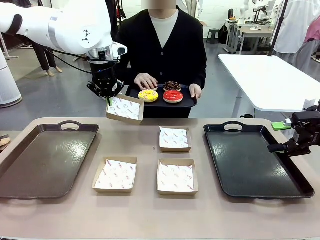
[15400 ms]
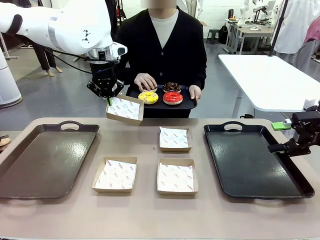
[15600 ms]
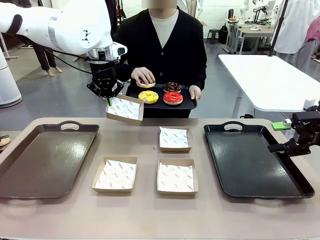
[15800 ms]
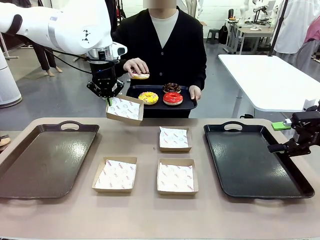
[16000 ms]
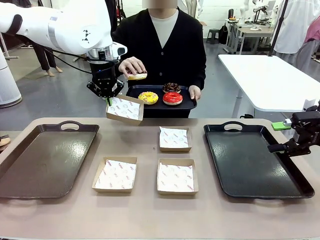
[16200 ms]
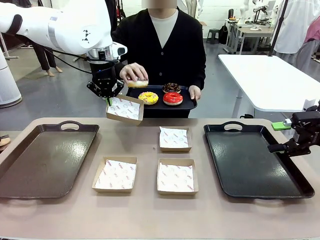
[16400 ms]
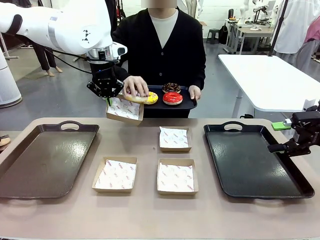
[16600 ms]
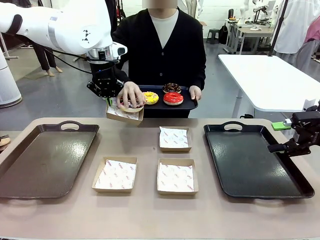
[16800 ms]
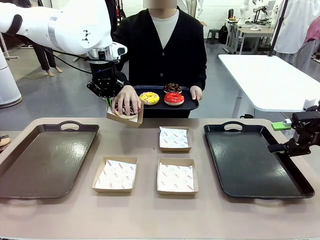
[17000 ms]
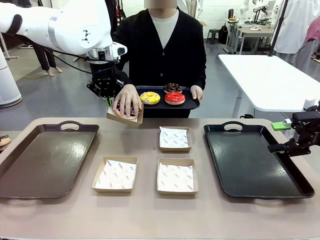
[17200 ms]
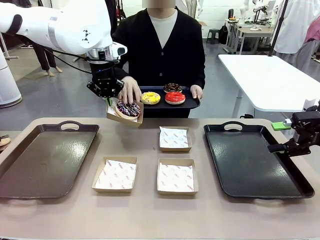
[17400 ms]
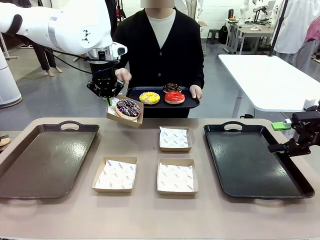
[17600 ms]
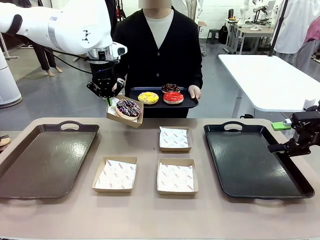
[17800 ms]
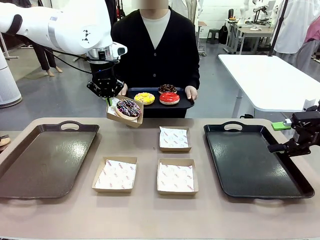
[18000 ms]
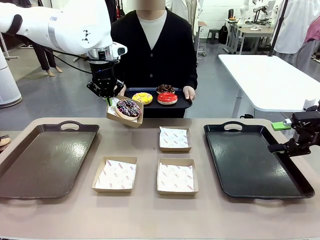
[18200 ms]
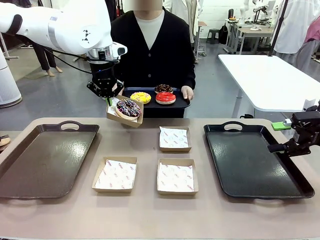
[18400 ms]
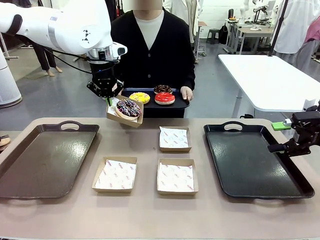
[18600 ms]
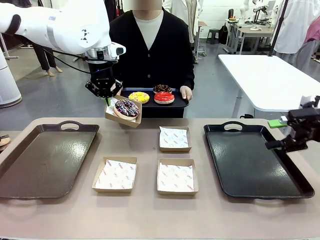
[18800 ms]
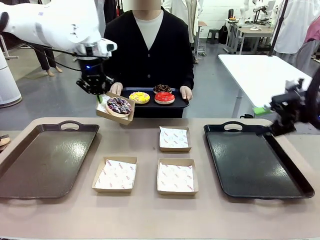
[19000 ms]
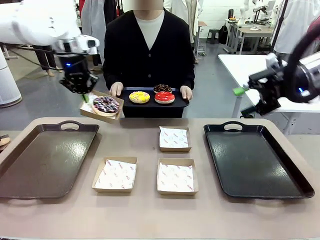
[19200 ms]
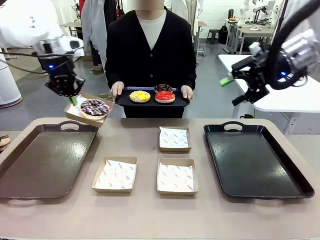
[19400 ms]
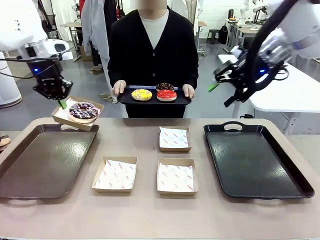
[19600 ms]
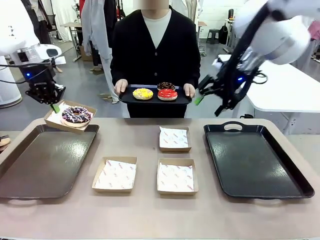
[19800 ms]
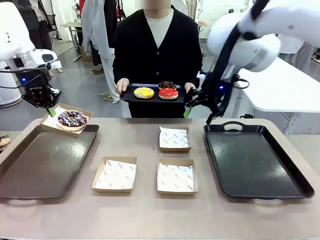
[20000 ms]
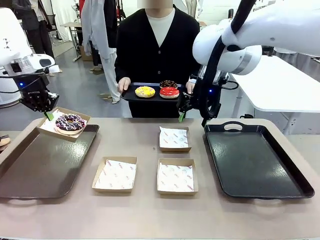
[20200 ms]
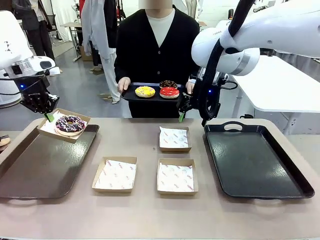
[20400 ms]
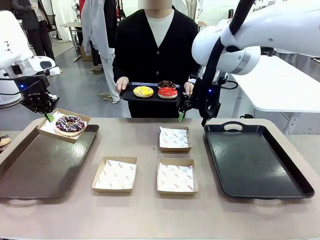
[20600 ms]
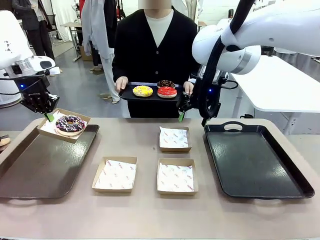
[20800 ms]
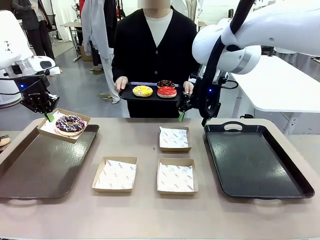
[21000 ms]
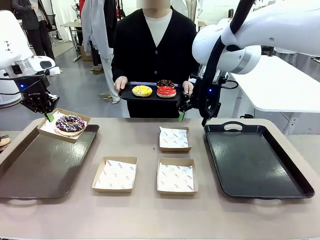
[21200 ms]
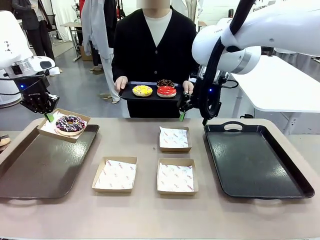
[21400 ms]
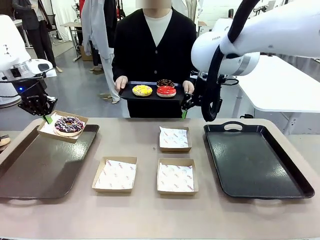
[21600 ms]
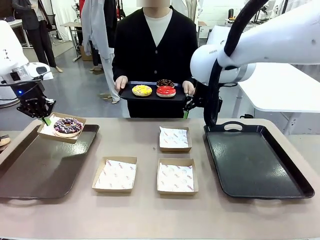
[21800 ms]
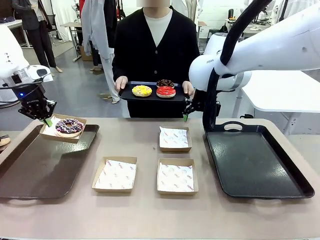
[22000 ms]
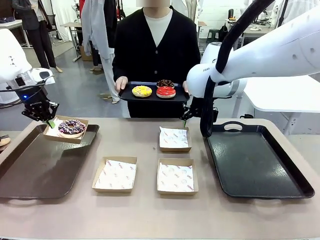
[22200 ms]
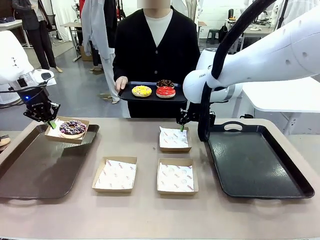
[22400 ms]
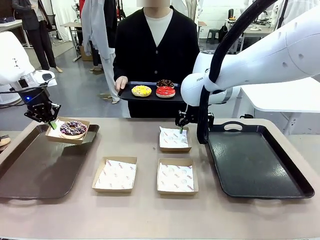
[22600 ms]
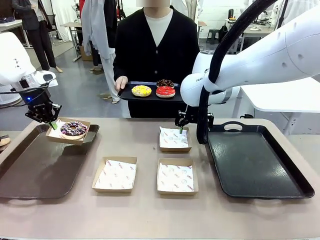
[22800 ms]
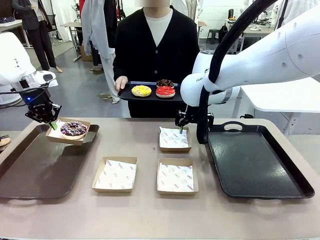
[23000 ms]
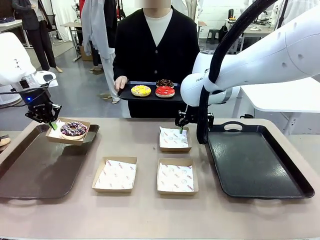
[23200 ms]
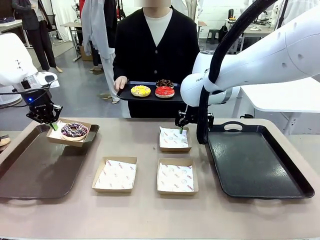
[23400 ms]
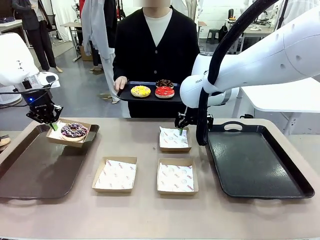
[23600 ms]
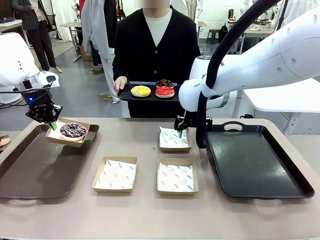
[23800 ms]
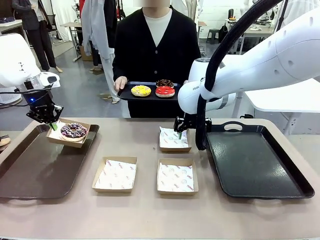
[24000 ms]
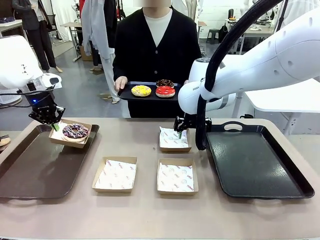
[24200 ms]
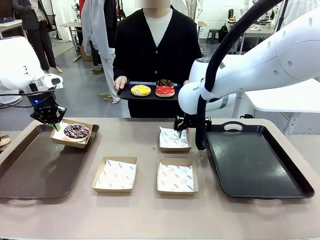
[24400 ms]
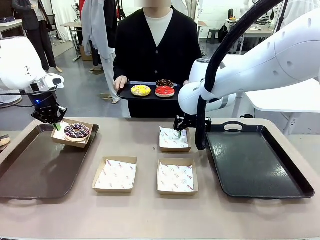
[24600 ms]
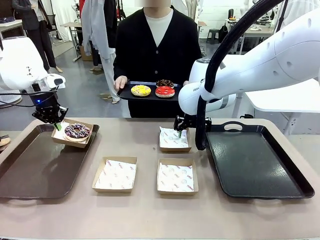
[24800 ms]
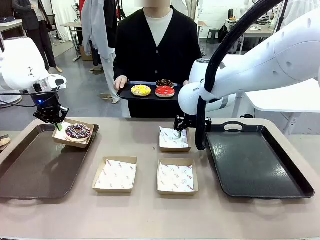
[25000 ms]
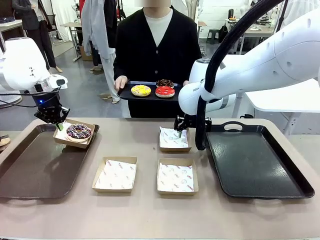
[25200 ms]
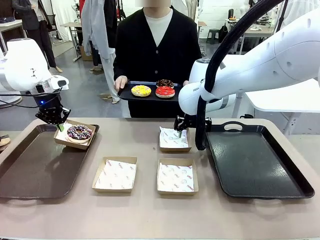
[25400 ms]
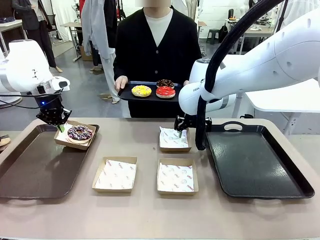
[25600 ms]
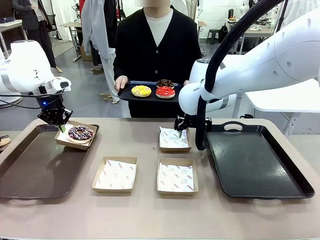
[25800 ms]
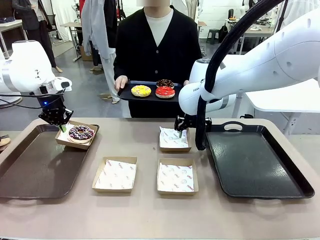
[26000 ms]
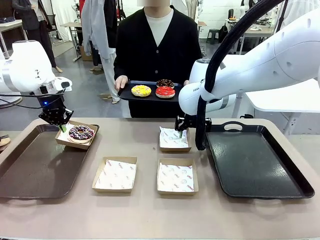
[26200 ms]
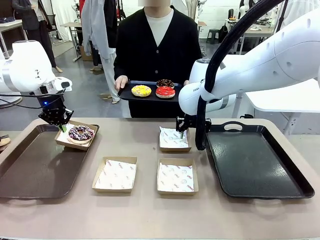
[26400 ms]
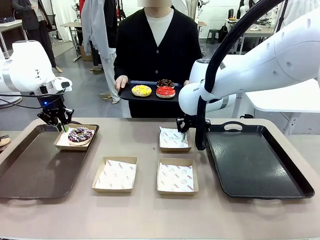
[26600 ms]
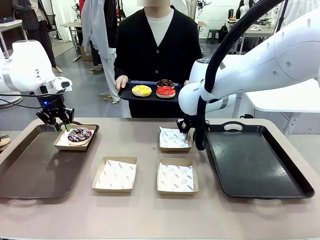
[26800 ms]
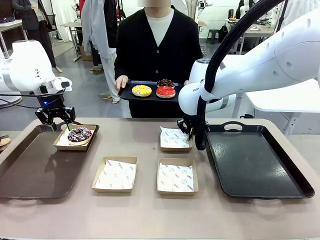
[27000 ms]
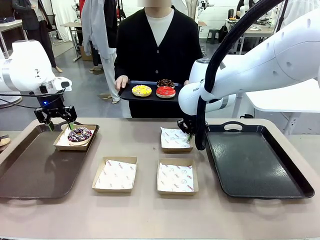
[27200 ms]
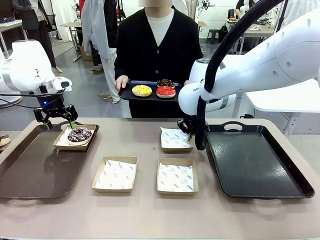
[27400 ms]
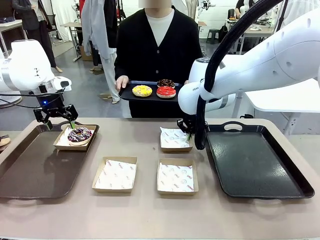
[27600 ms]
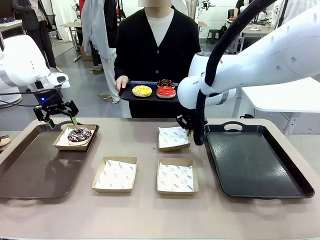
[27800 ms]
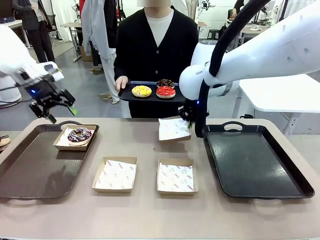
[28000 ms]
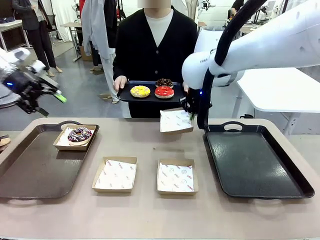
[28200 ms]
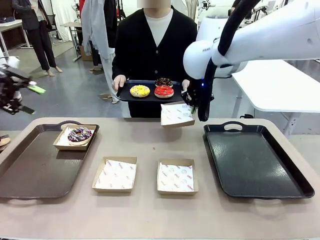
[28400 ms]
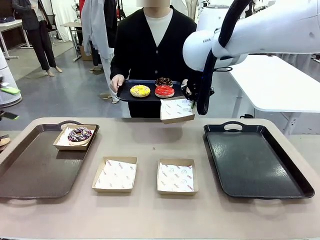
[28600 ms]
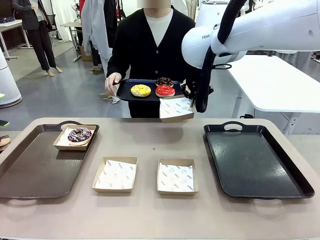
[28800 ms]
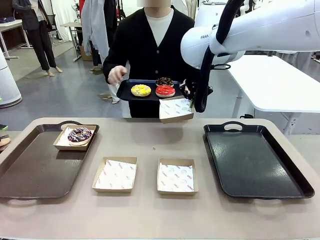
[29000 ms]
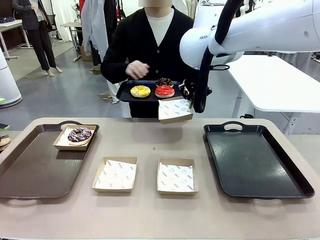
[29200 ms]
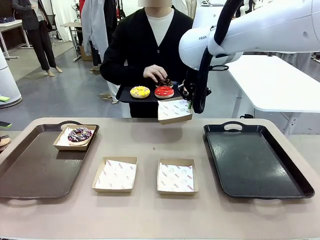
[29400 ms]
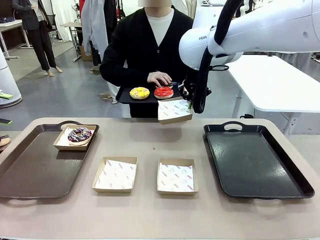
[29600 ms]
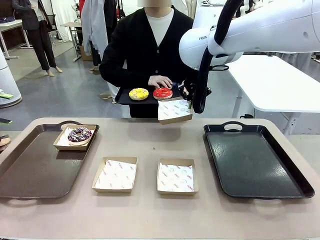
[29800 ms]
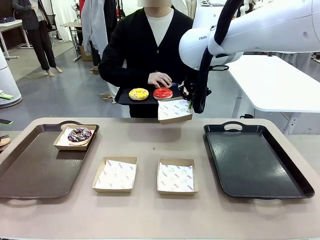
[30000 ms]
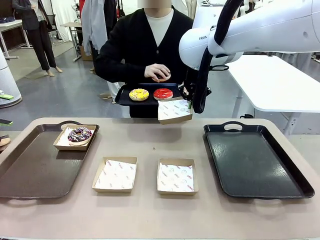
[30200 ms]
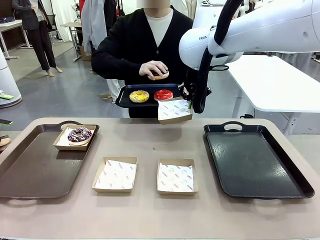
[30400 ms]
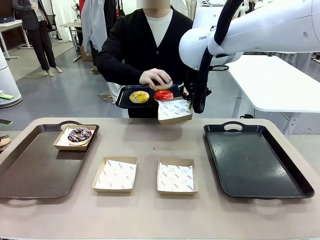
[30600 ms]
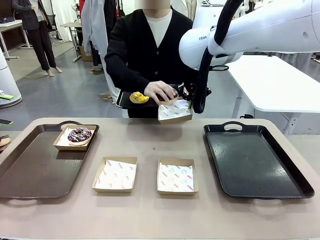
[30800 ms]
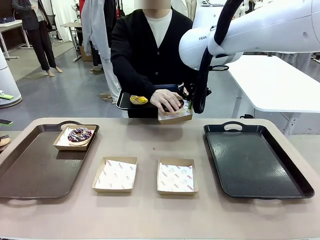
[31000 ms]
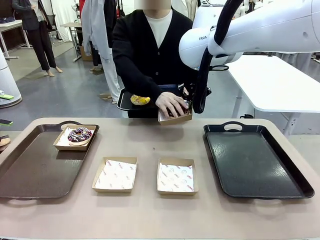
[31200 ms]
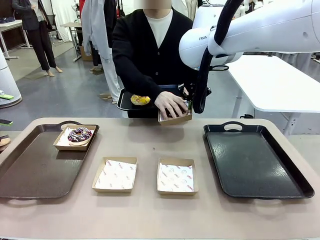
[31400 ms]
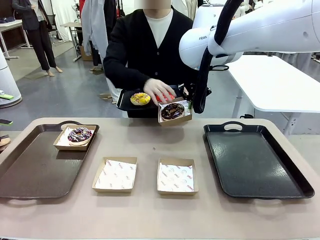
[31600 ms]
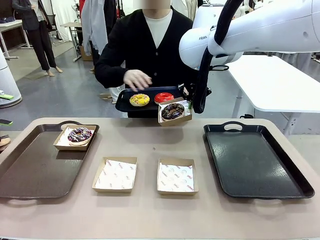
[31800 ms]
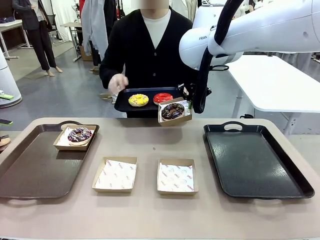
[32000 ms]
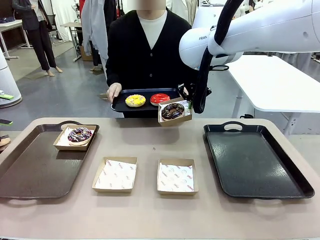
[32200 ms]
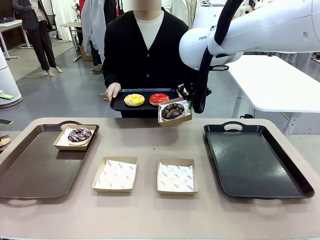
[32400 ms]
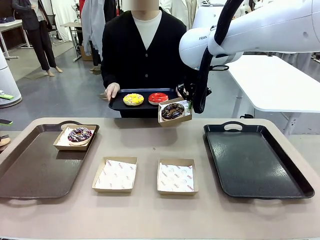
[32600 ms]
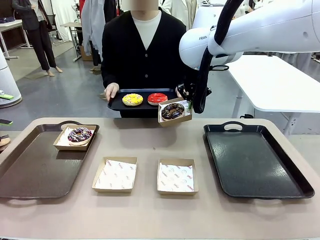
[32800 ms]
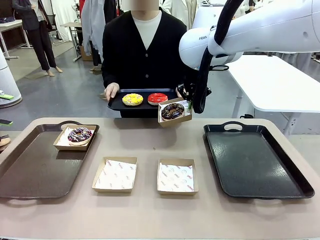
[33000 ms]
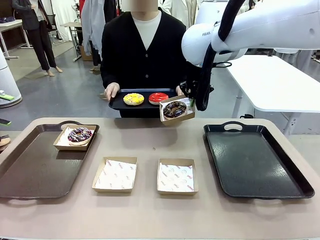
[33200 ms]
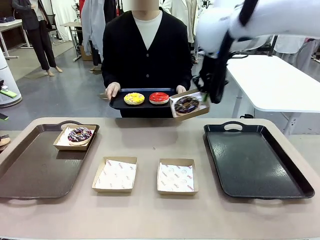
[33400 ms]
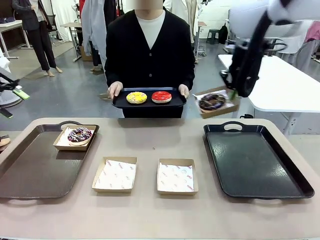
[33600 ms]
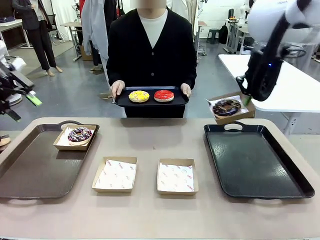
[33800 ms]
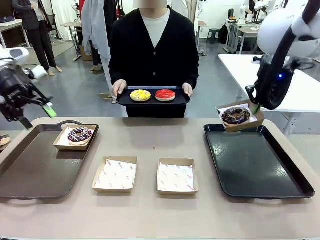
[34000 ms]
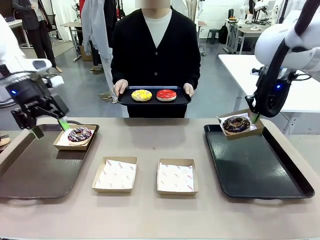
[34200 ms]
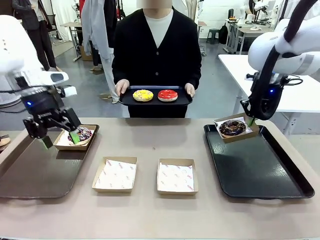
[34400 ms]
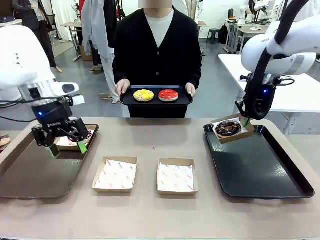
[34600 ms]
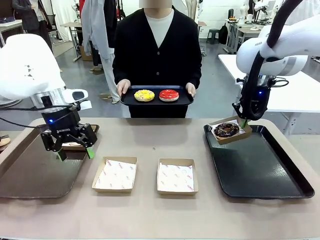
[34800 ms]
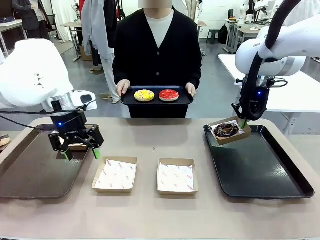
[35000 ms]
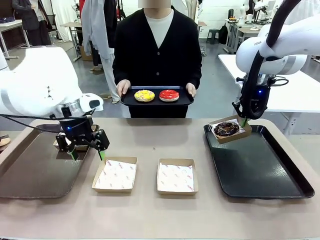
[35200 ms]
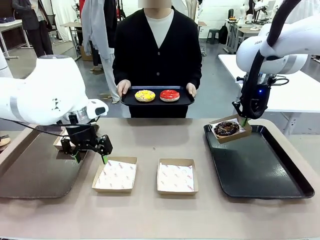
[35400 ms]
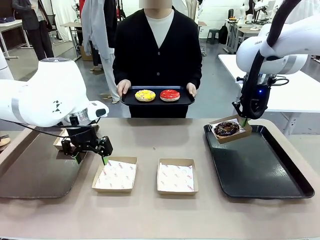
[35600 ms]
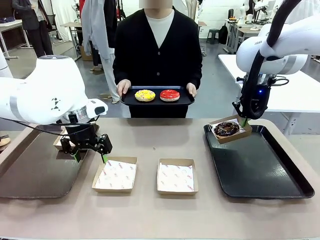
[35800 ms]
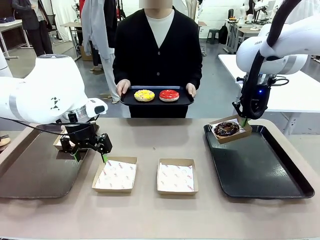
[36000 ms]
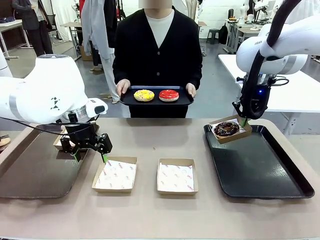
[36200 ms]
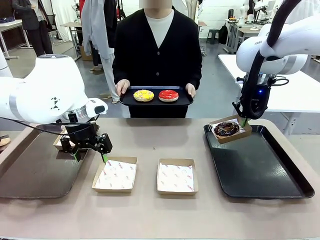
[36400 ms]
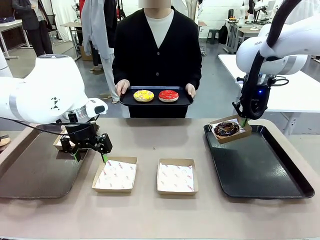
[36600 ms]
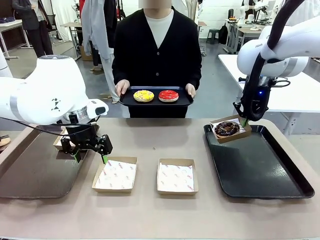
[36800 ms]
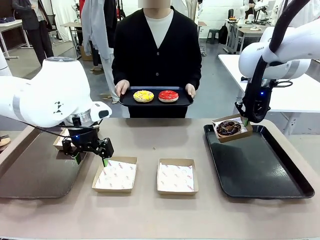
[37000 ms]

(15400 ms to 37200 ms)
Task: Individually package the donuts and arrange them on the tray.
Robot: Place the picked Paper togo box on the Handle tray while simultaneously picking up another Paper togo box from the table with the other hand.
